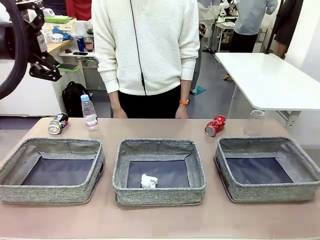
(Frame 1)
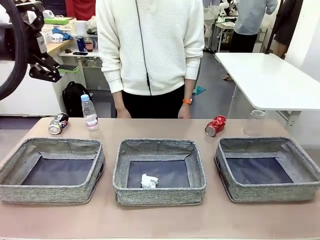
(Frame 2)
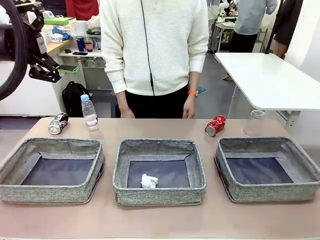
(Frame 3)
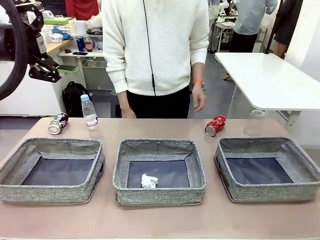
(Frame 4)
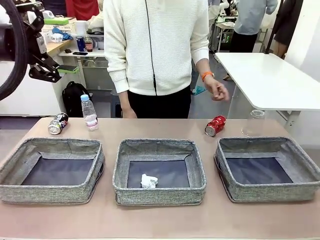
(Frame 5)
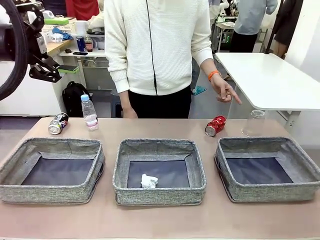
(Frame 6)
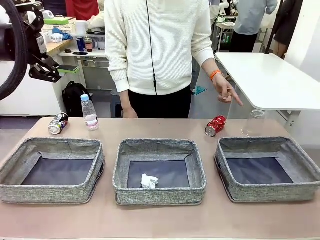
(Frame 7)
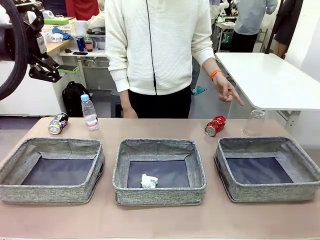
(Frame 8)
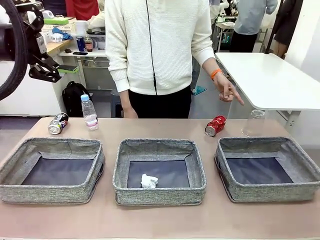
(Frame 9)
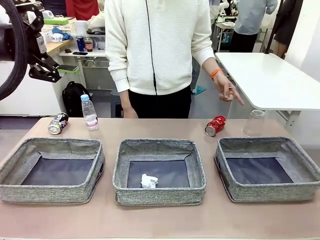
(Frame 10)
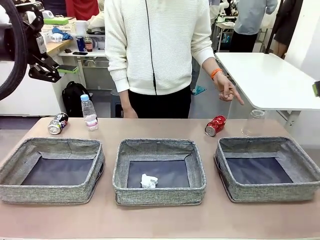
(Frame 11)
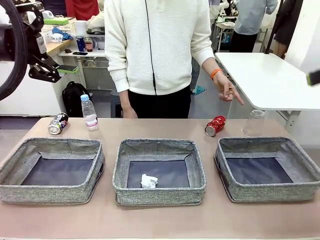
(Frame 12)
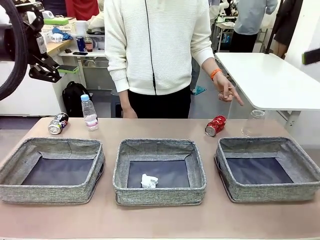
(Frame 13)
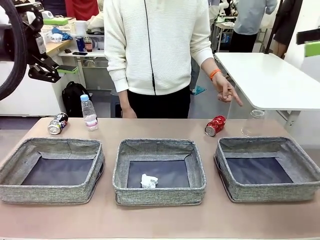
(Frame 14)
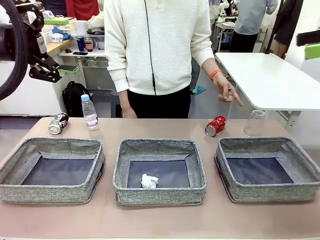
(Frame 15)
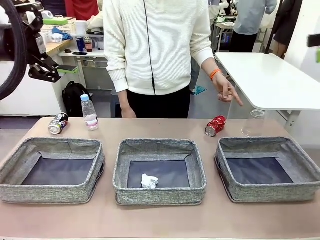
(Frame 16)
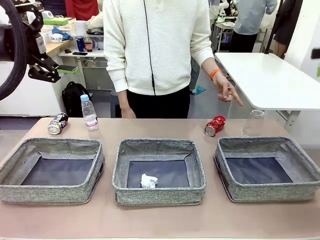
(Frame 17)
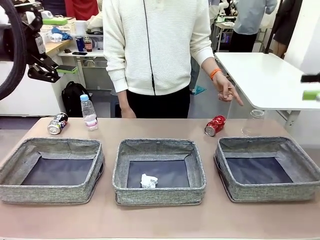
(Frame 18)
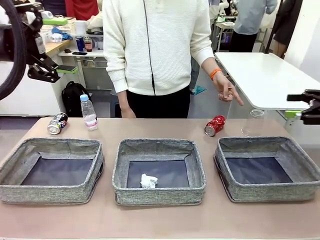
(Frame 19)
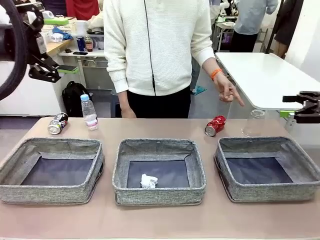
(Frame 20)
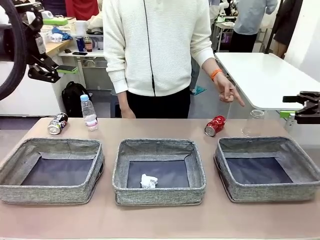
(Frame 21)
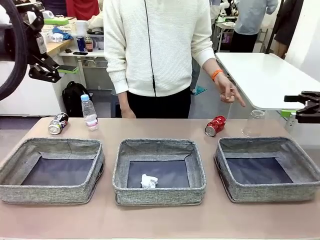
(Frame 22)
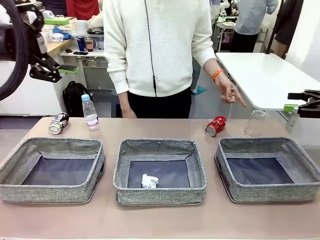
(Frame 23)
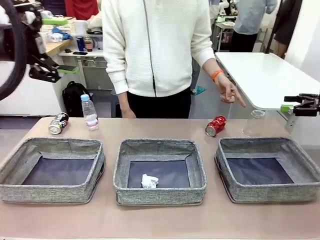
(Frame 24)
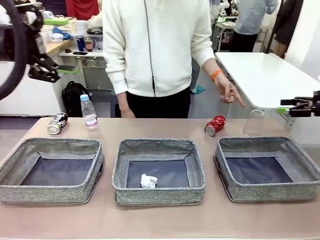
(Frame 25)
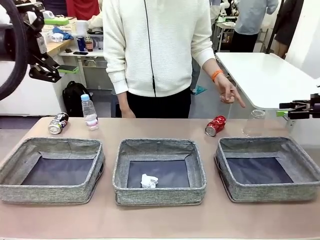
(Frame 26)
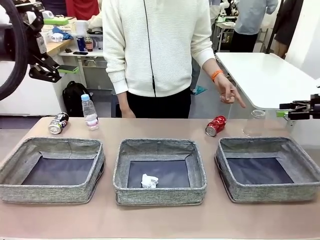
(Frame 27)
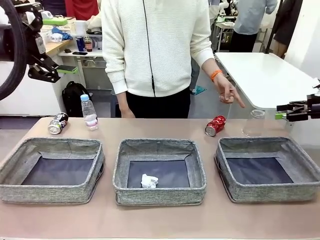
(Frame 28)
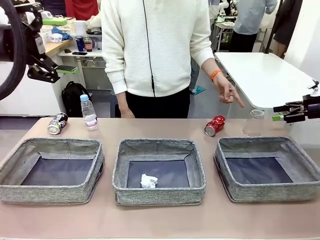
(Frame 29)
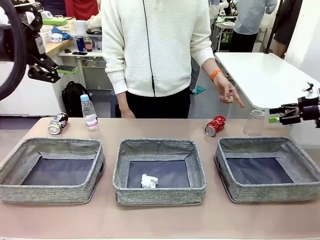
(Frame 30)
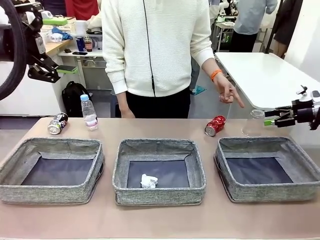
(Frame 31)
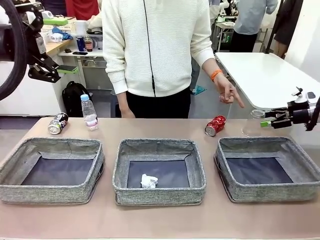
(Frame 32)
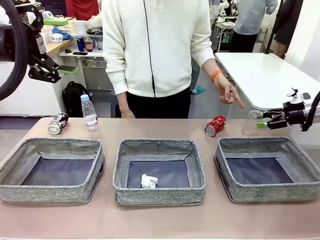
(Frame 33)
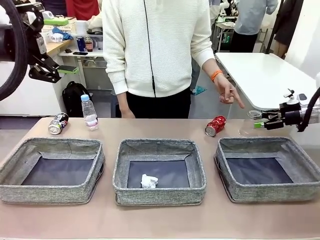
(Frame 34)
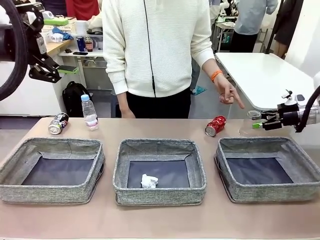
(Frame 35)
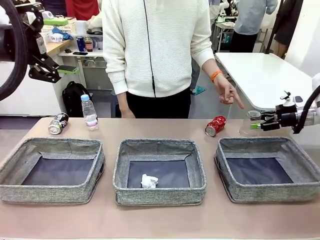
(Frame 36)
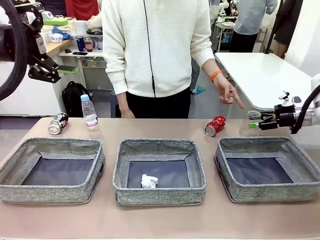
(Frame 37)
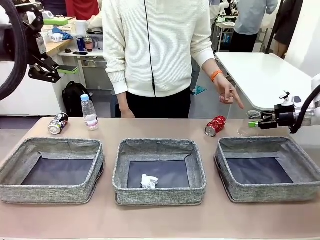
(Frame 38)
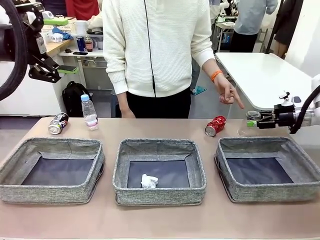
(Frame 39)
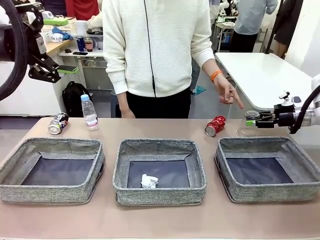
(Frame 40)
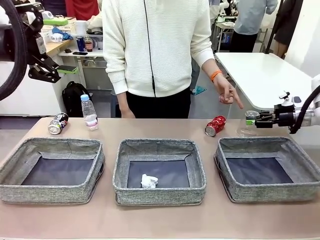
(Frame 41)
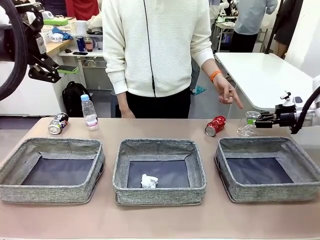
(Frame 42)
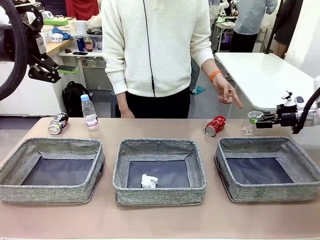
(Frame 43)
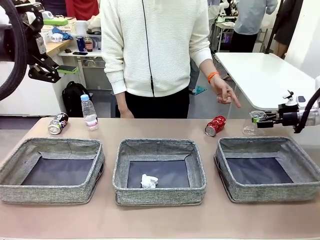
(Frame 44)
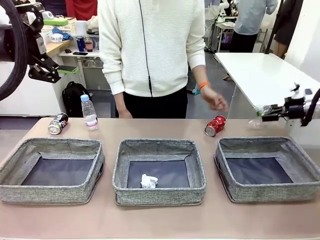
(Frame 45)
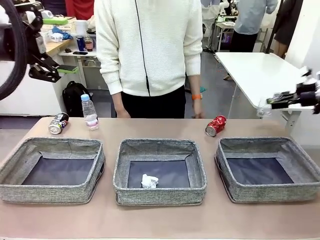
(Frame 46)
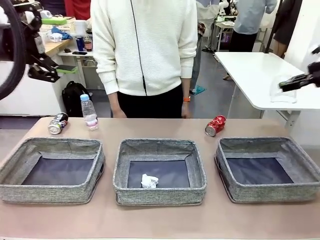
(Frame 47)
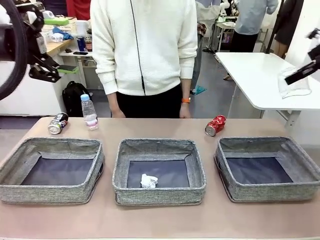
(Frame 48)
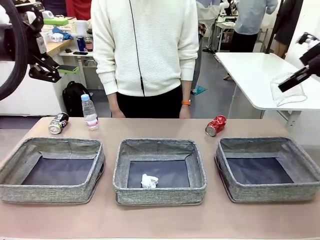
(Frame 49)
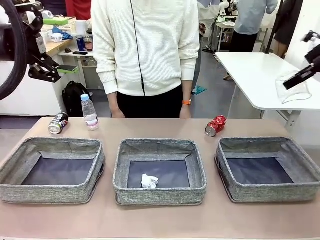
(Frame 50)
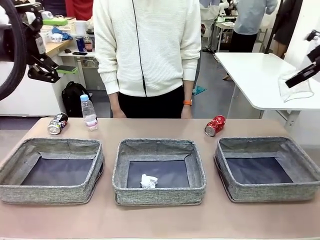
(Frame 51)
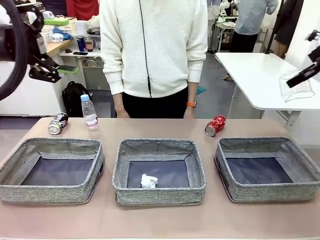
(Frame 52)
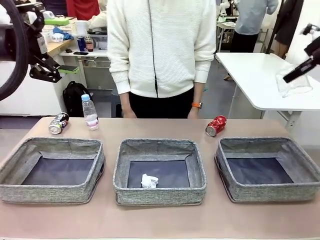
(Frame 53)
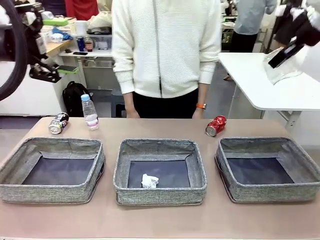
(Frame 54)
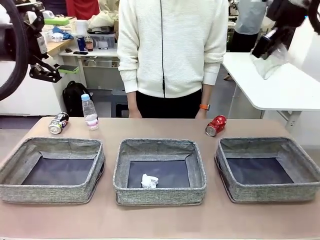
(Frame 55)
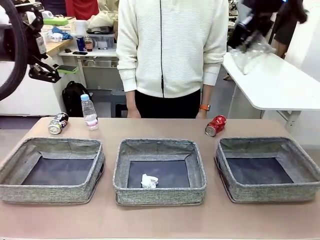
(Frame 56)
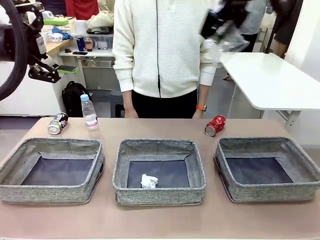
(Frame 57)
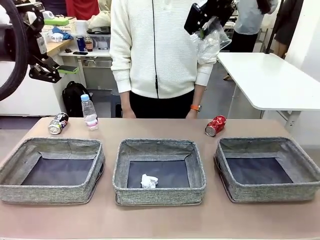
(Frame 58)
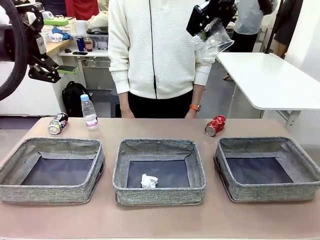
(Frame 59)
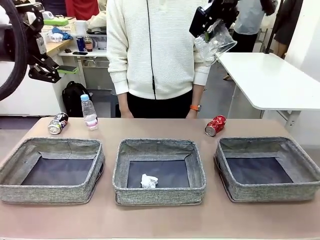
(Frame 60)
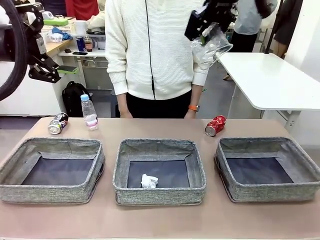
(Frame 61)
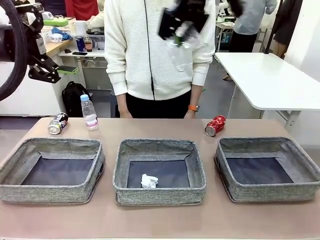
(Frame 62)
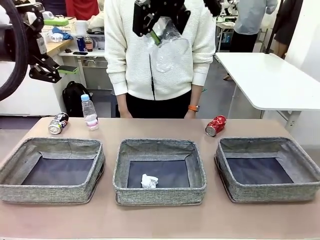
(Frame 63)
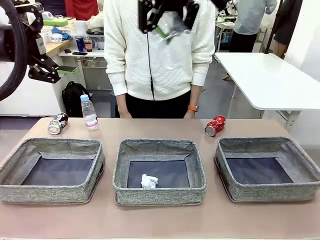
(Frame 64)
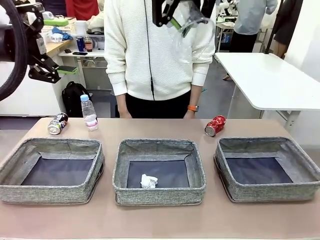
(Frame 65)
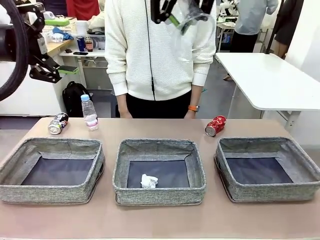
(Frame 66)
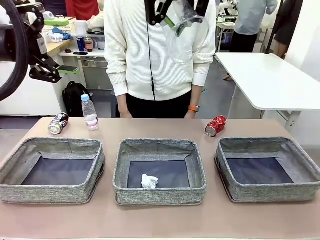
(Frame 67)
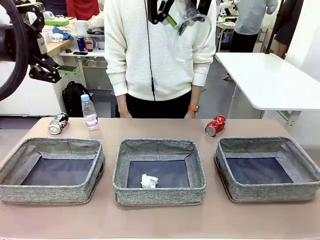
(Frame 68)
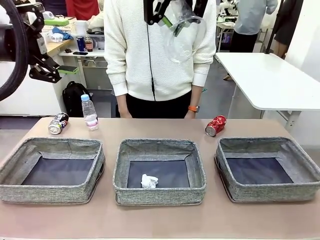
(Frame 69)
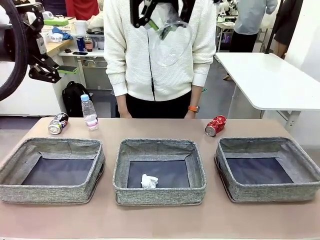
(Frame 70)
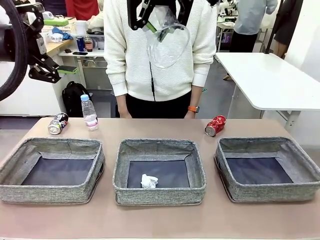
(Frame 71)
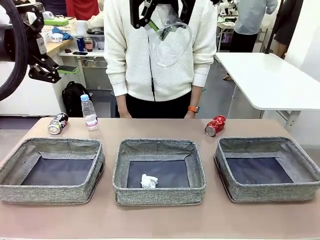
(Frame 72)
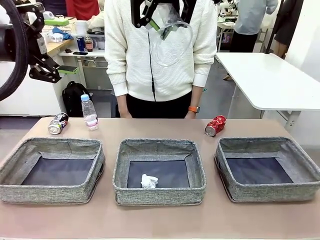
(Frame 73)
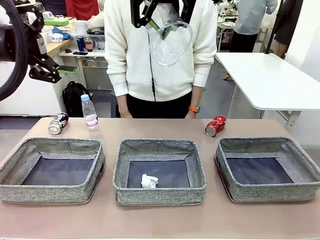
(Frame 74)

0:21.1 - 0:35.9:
Task: Sort the waste into the appropriate baskets.
Robot: Pick up the waste item pointed out by the person.
Person: Points to one piece of trash on the table.

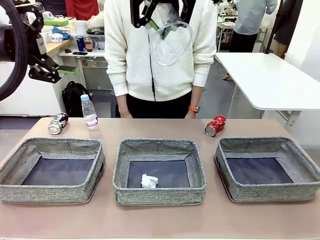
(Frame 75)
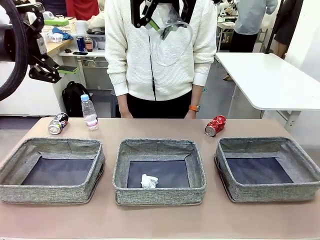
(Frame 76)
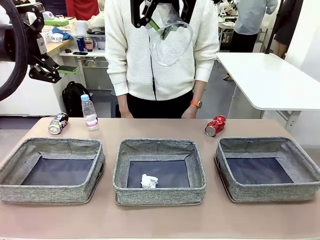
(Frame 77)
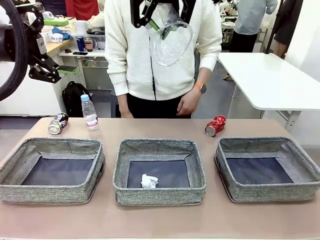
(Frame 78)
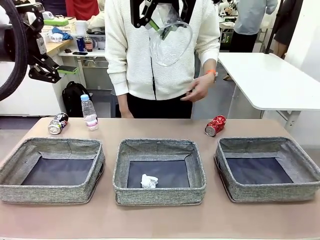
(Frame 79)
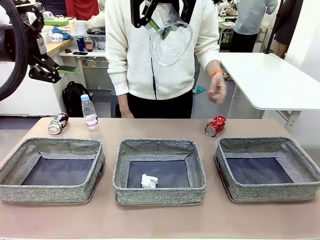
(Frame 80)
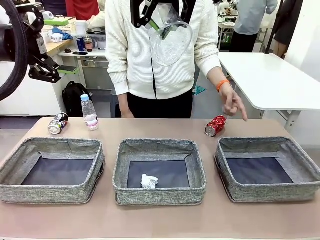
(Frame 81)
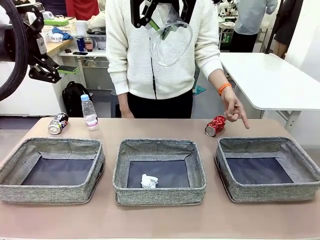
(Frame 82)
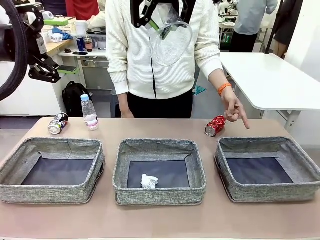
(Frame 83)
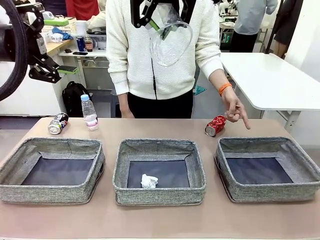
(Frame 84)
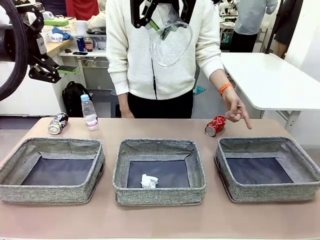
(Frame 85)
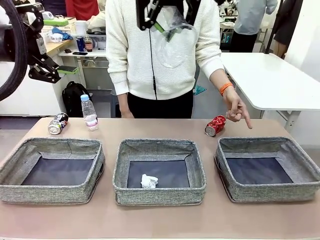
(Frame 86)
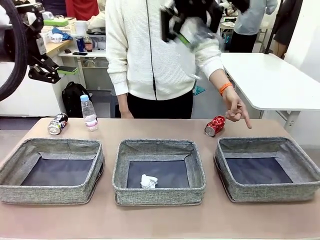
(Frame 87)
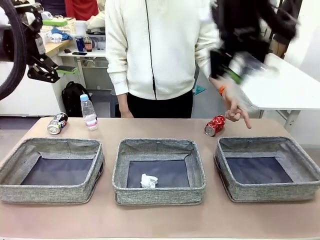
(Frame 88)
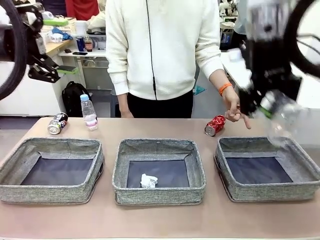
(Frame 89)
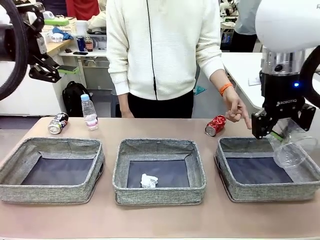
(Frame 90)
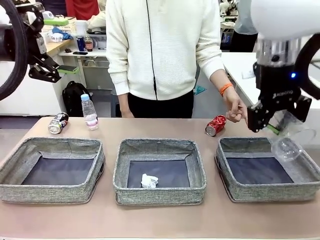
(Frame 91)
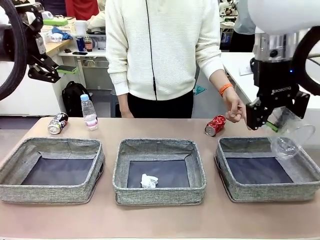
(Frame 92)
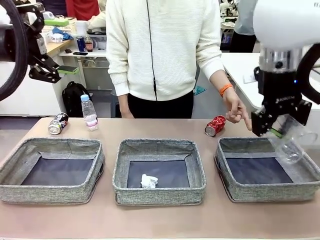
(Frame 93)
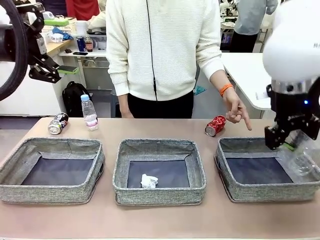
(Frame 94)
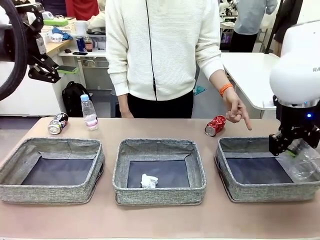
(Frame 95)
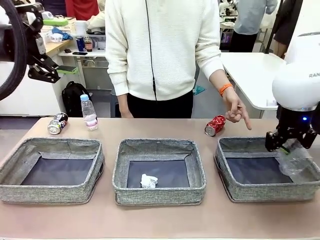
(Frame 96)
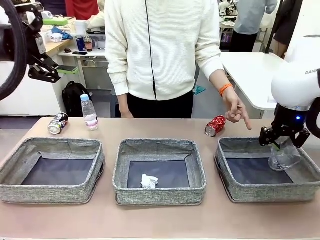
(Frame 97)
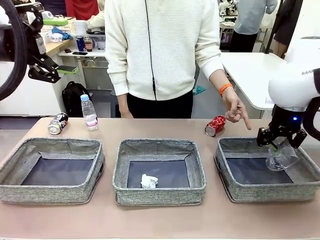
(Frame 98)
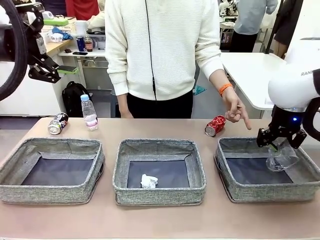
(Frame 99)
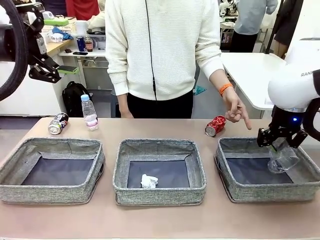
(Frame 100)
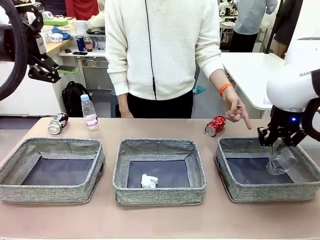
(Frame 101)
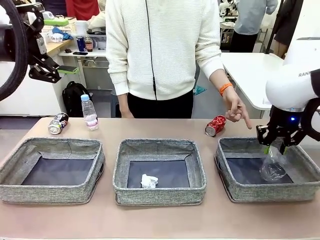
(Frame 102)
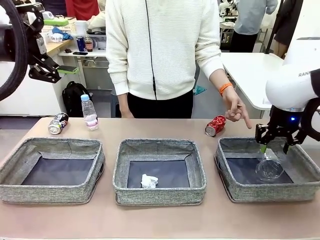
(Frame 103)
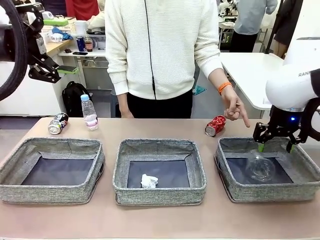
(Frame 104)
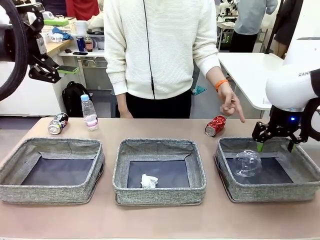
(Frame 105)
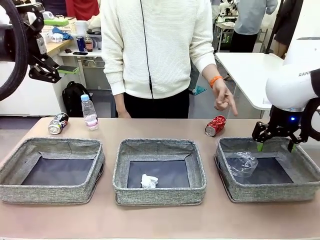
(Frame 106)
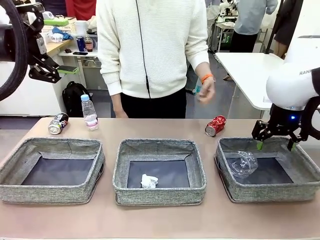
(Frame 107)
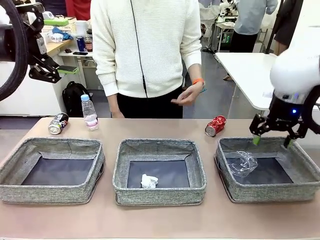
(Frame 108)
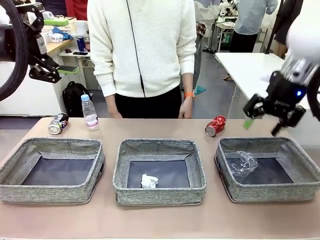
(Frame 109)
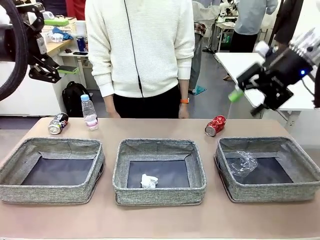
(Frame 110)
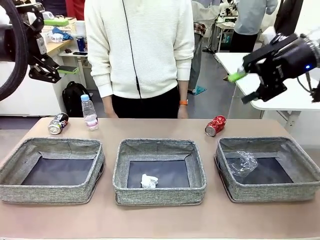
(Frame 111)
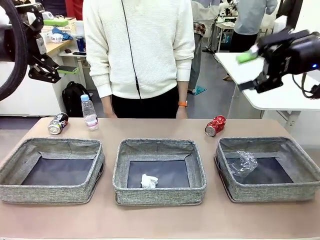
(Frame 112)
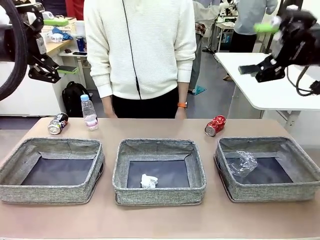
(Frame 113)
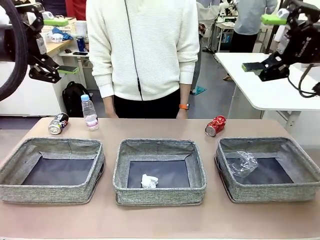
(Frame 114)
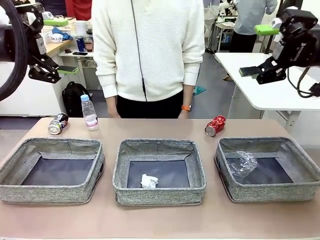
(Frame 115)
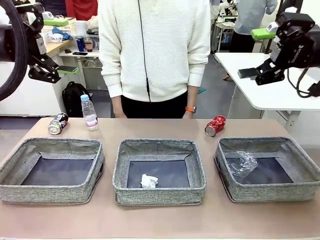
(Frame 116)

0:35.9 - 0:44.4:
Robot: Place the picked waste into the Fabric basket indicated by the person.
Person: Instructs the robot to place the picked-up trash into the appropriate organizing basket.
